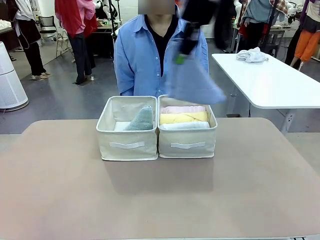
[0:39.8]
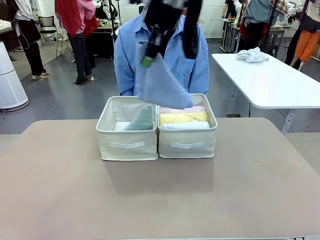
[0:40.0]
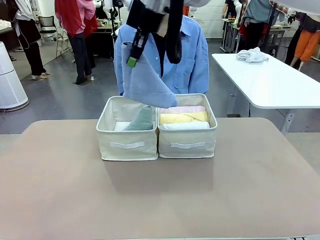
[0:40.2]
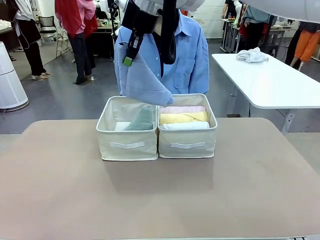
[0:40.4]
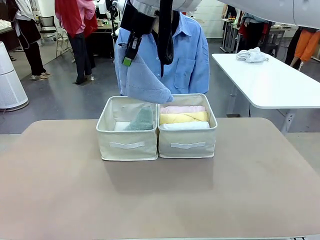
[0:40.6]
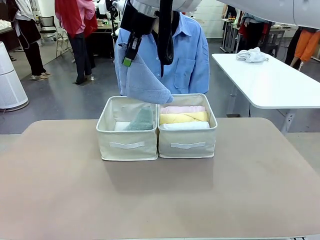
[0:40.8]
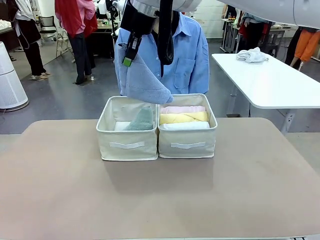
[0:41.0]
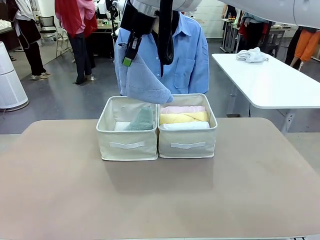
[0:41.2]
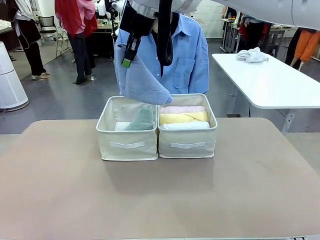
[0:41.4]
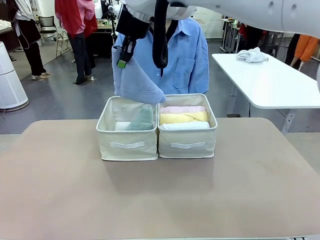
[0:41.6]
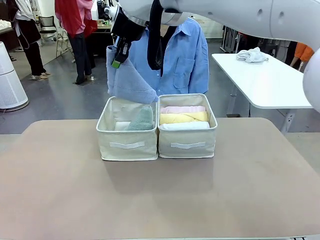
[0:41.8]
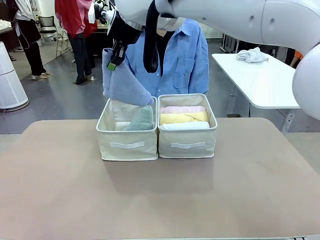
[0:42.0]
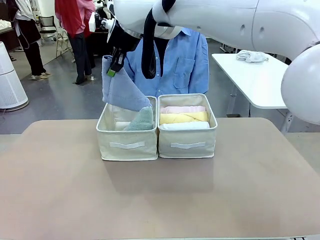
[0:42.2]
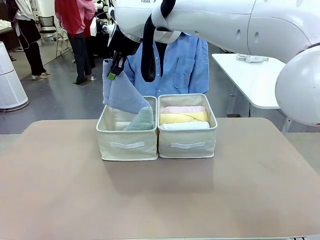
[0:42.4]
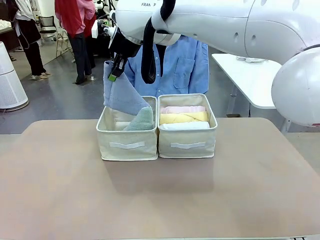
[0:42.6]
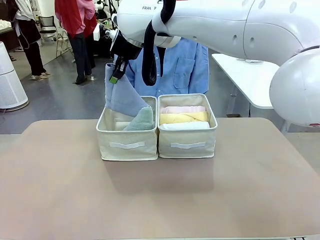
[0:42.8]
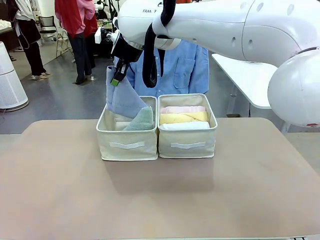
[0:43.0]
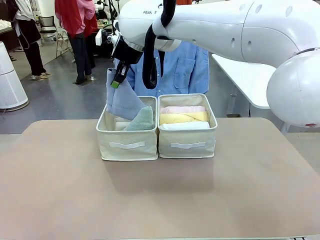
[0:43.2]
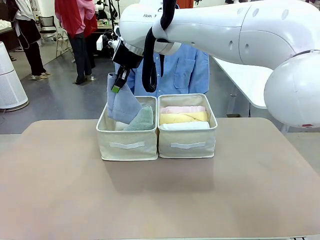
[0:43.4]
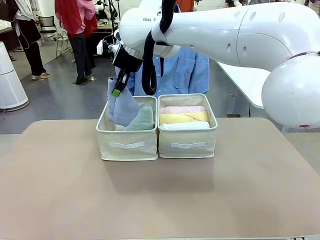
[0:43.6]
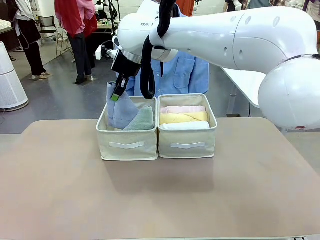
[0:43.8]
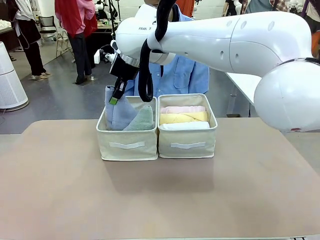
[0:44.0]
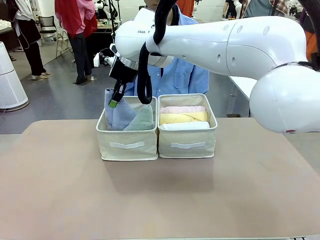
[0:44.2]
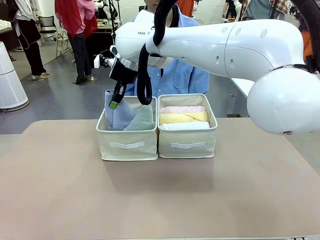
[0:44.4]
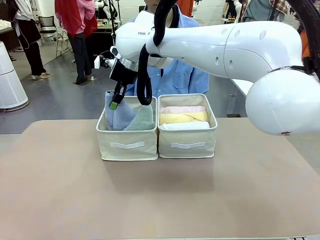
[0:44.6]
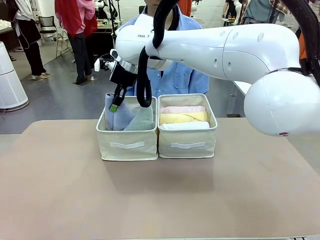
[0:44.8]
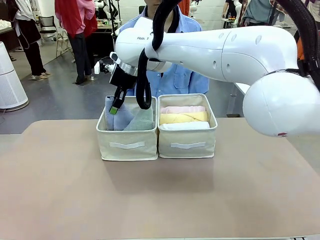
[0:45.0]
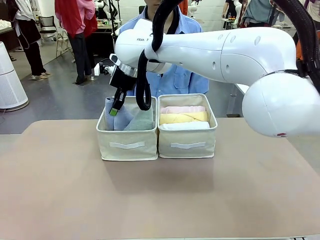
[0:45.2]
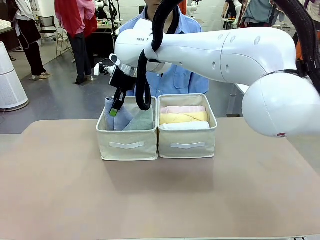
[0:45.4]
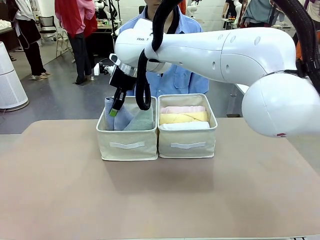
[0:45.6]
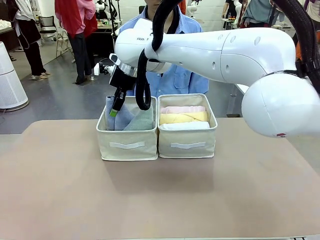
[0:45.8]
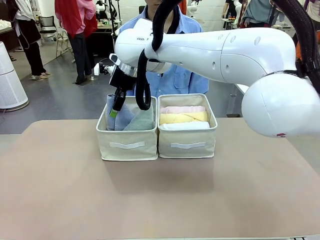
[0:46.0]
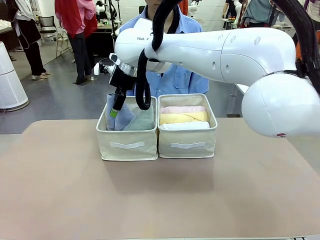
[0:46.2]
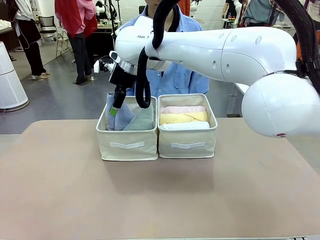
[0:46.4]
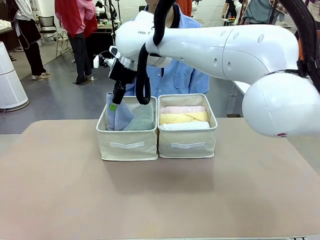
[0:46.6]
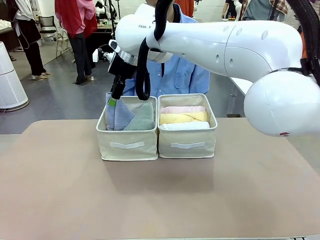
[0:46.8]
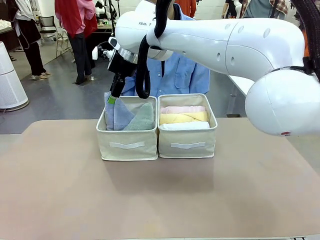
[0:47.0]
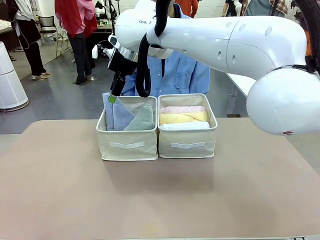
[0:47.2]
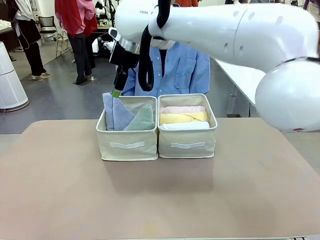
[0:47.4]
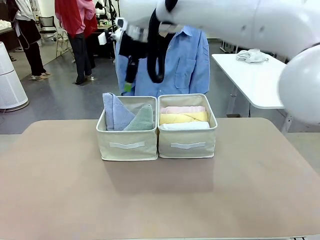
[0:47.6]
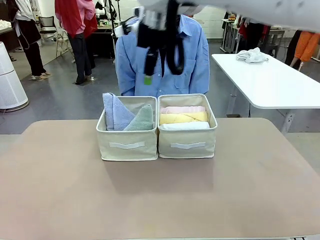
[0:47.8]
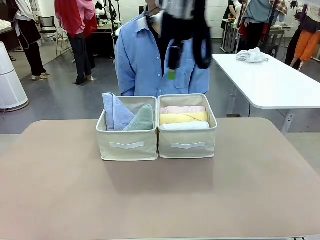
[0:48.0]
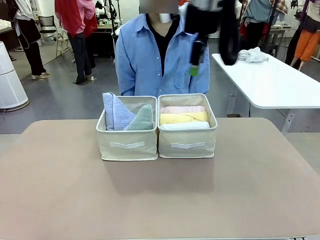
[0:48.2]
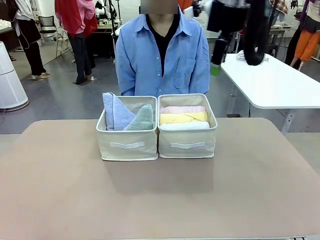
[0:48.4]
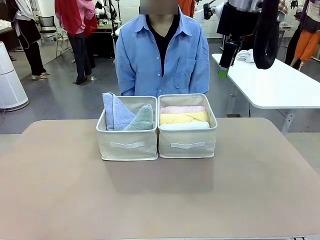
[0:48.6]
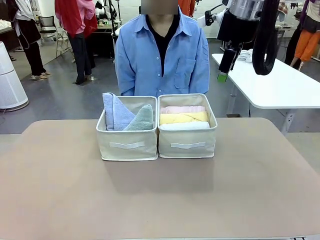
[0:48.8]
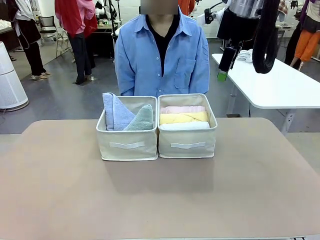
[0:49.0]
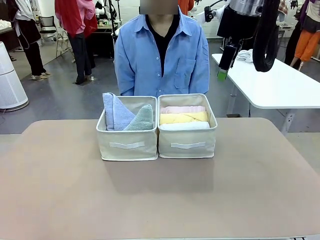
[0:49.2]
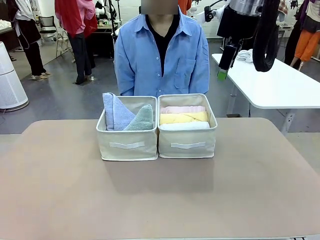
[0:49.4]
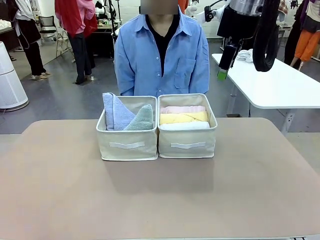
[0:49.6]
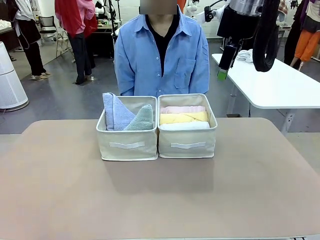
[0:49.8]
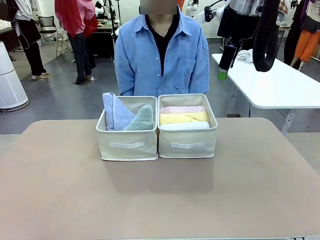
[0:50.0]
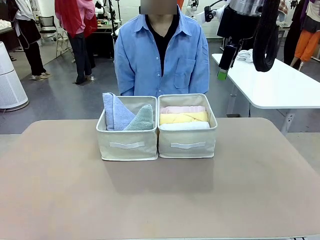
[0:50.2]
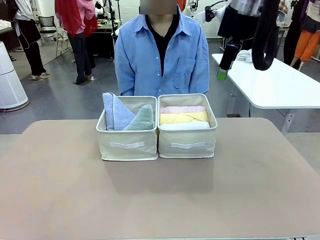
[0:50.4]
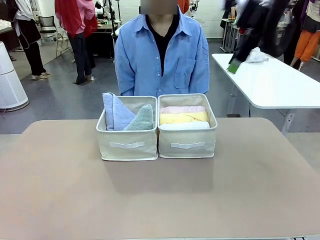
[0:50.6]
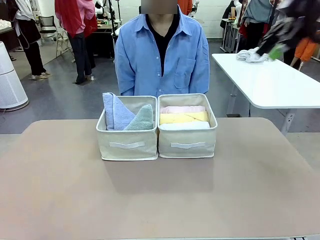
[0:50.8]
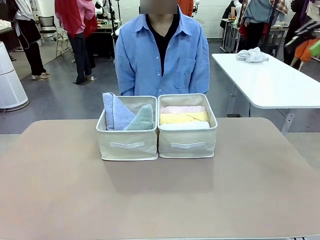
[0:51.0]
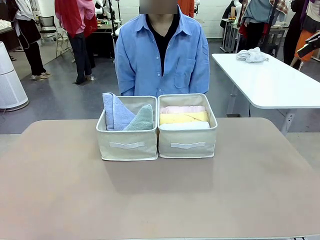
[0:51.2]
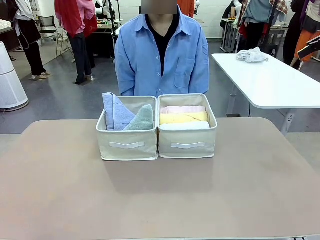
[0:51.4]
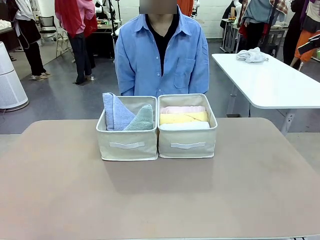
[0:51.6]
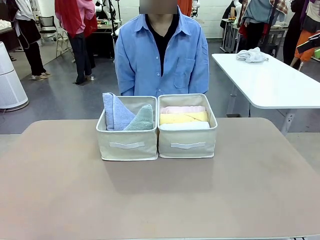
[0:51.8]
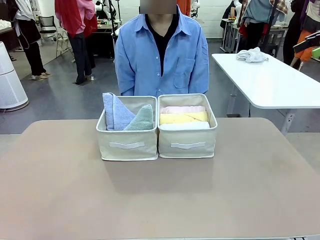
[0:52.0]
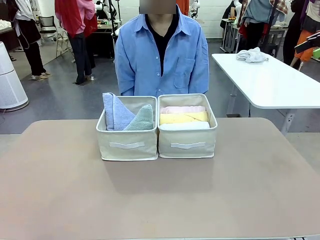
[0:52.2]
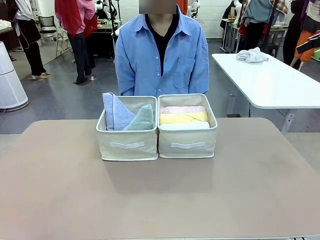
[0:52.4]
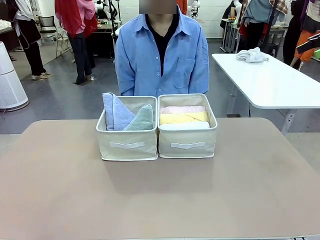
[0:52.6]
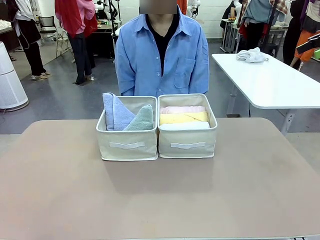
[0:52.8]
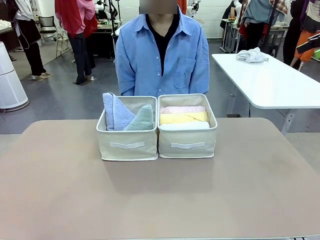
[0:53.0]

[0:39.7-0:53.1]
Task: Sort the towels based on their folding style.
Robot: Pick up another triangle-folded towel from the table and place it in the left Fabric basket.

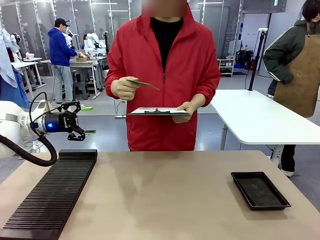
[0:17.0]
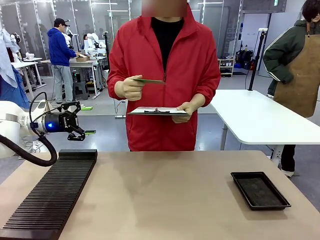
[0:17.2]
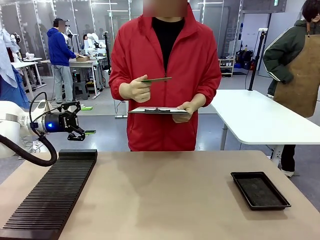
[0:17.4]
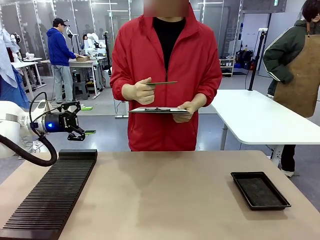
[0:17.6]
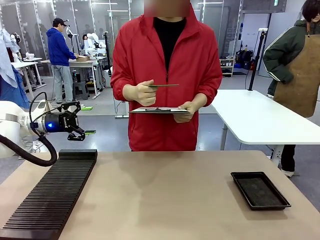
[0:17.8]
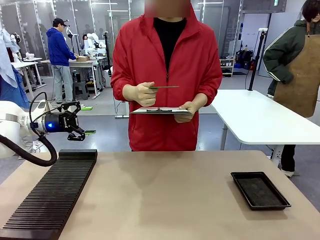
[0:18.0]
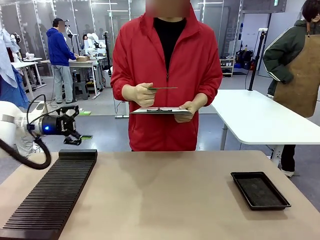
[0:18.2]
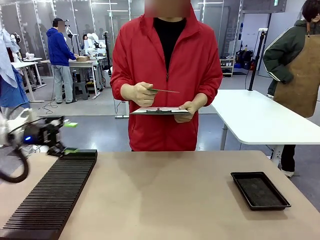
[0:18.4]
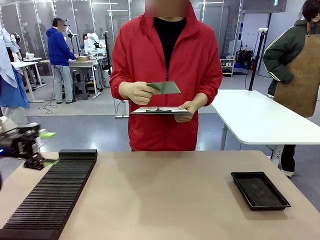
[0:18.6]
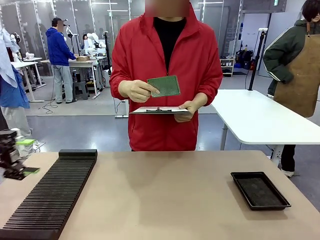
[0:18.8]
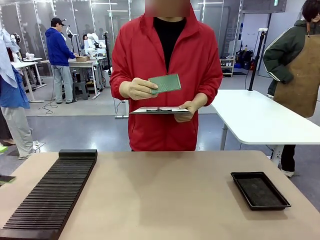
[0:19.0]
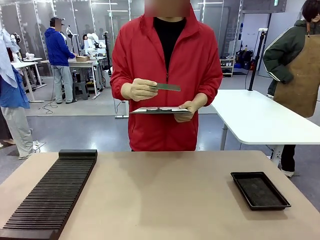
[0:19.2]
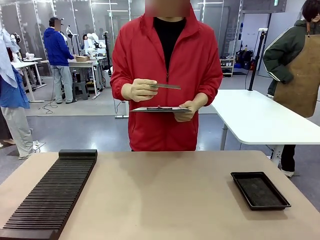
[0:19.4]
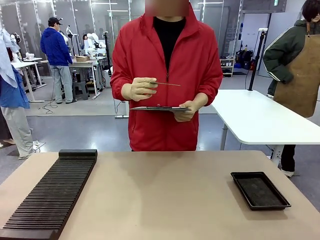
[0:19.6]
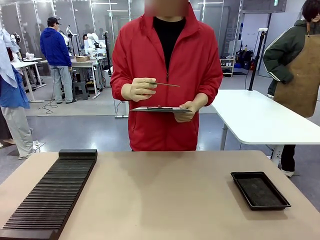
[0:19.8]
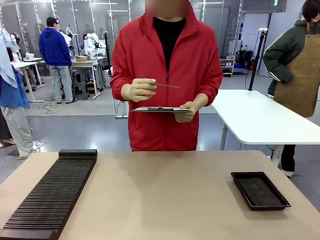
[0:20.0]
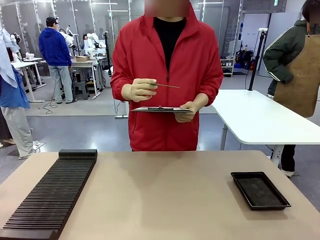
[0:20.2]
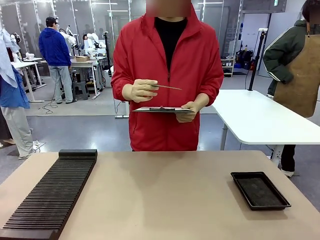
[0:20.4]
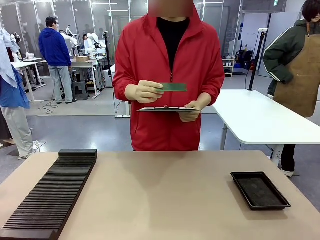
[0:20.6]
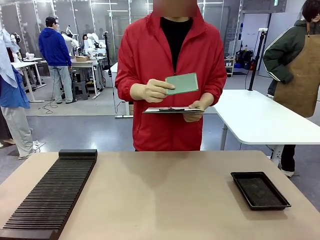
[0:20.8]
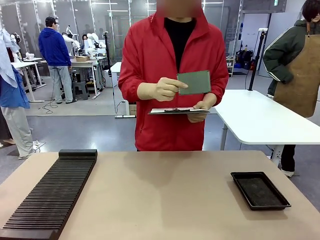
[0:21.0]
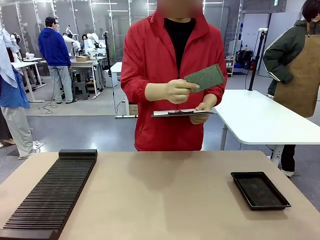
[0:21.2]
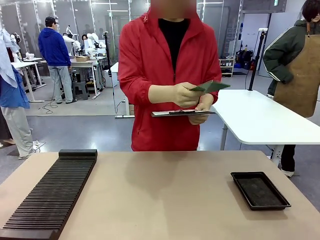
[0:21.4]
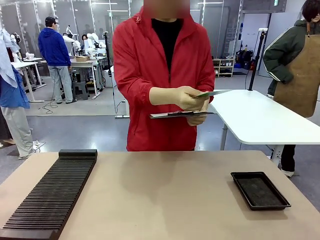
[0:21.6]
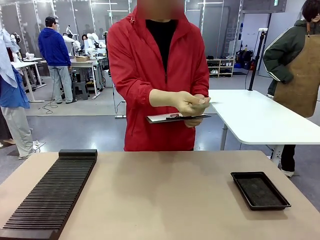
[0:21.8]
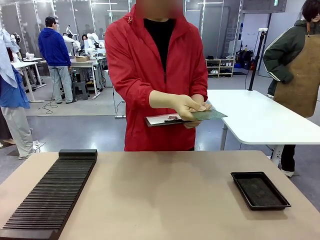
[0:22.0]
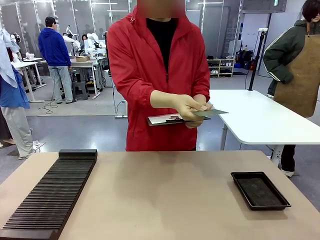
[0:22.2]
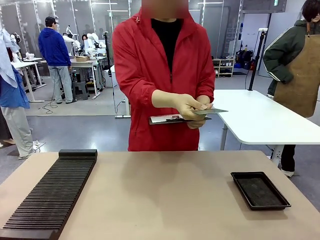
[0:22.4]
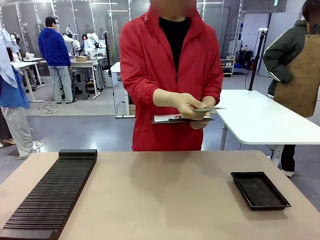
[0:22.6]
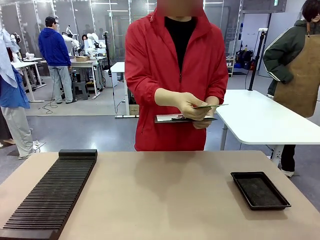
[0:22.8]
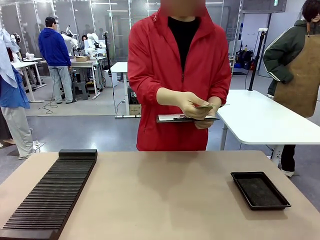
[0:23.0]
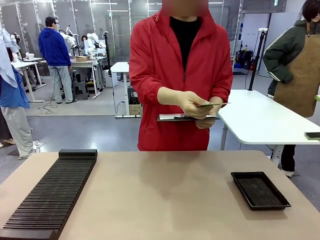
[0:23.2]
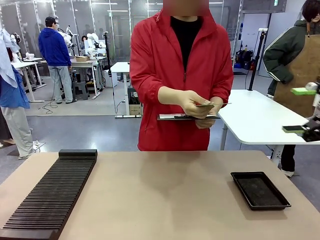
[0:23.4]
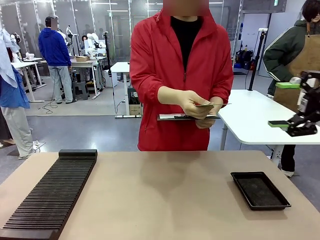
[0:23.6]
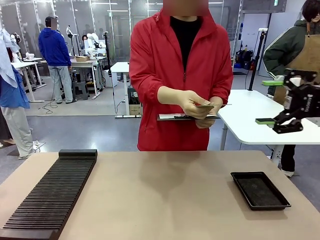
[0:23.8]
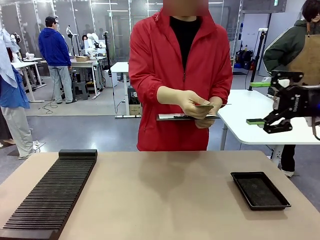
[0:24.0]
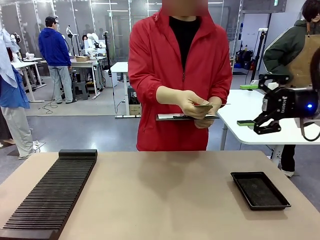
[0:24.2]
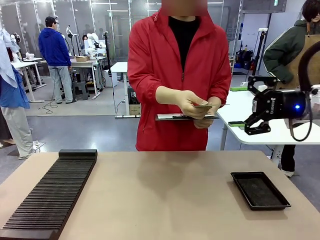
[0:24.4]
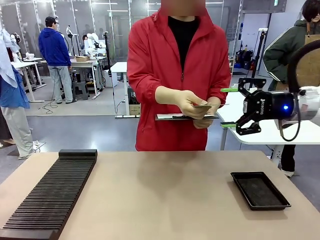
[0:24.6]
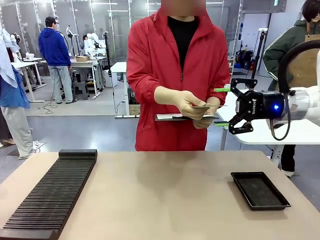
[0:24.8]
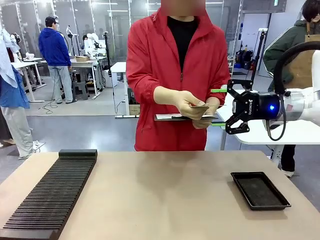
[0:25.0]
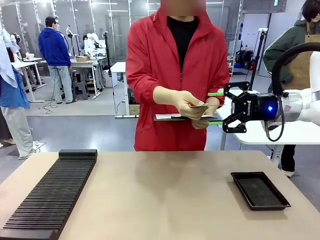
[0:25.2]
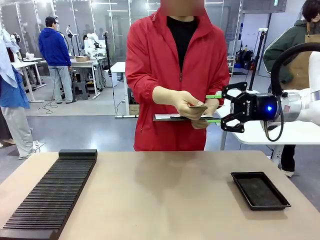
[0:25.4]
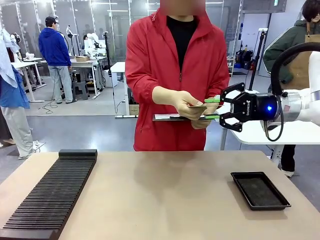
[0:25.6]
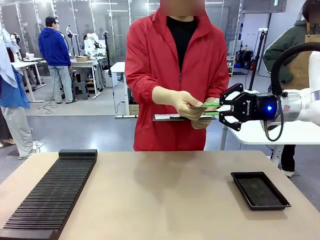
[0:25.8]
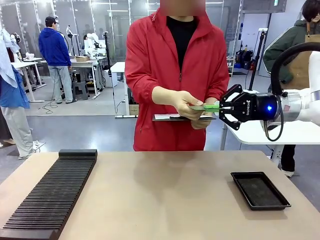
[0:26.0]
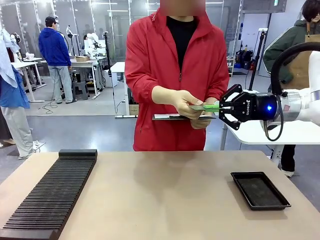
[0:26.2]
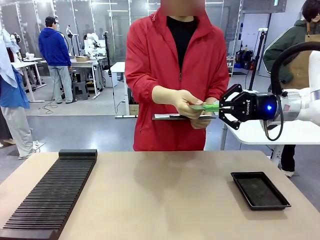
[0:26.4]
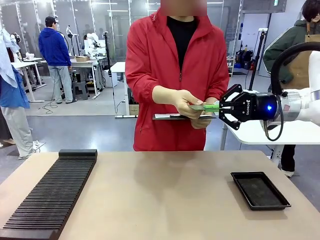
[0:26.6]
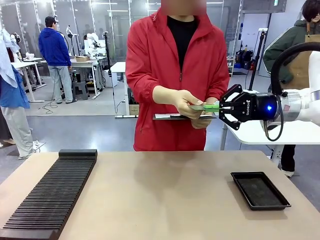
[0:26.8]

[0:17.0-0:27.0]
Task: Inspect the PCB.
Robot: Pick up the Blank PCB that the human is holding.
Person: Inspect the PCB placed by the robot, then hold it out in front of the robot. Release the PCB you were holding.
